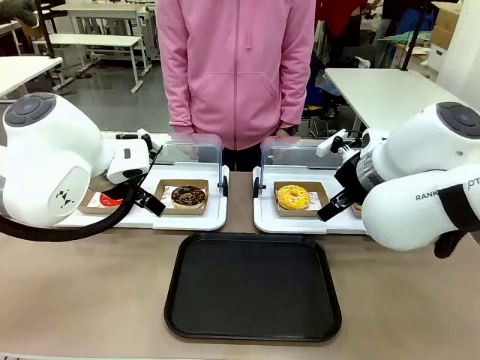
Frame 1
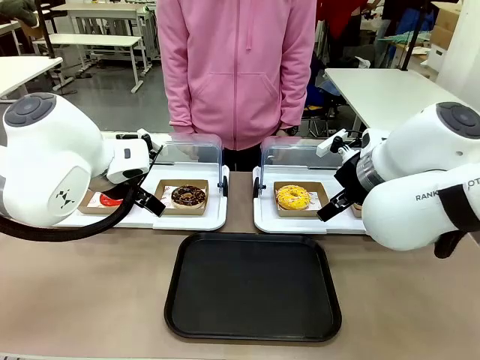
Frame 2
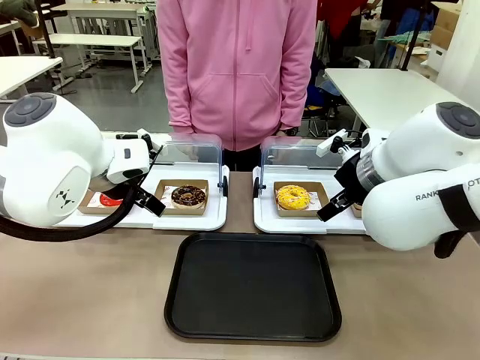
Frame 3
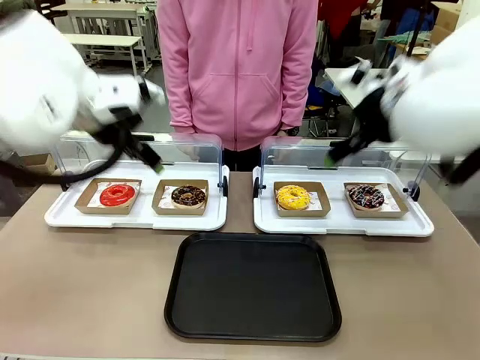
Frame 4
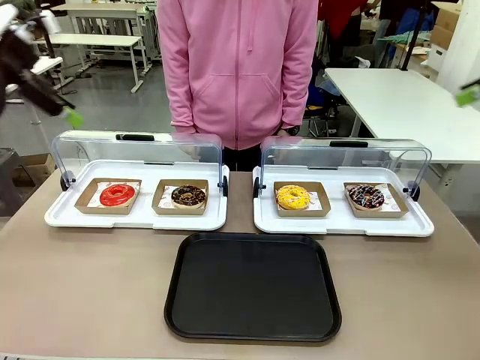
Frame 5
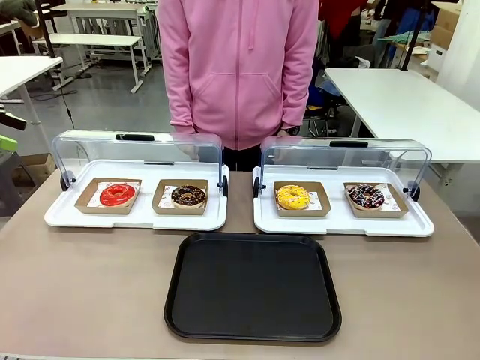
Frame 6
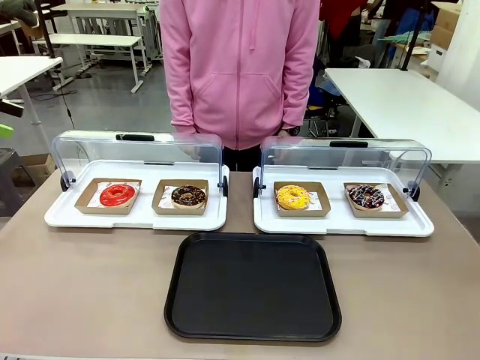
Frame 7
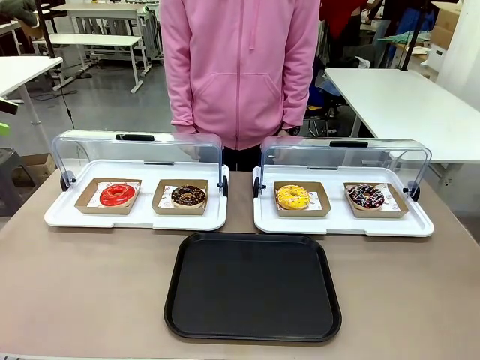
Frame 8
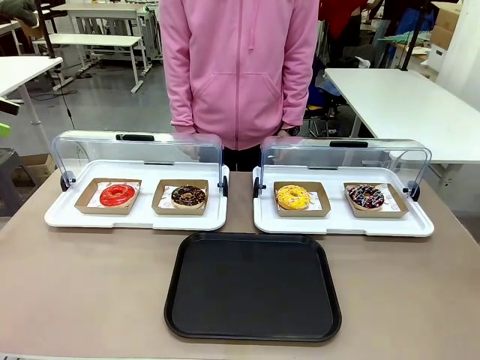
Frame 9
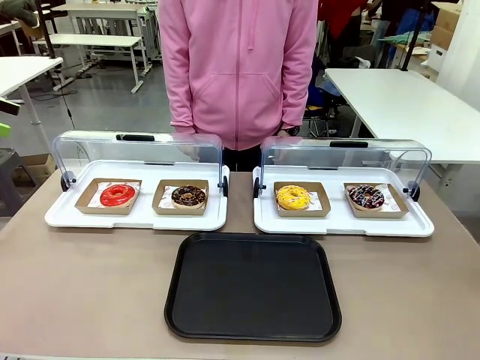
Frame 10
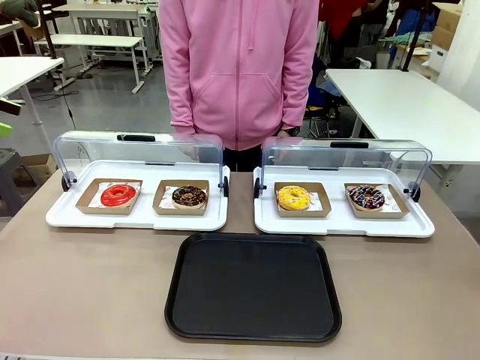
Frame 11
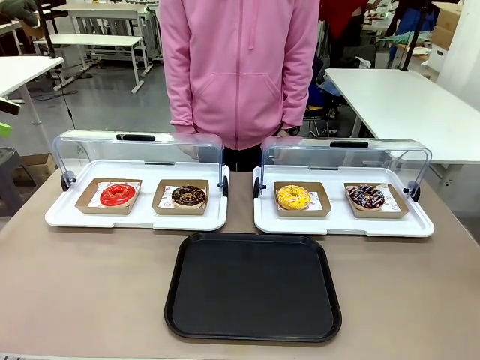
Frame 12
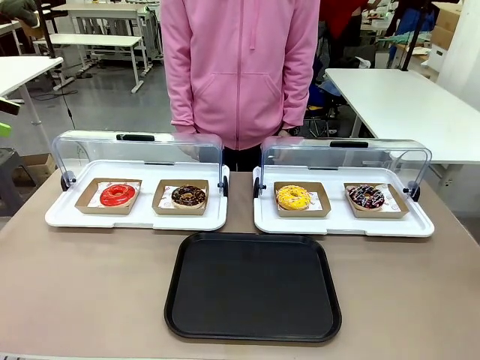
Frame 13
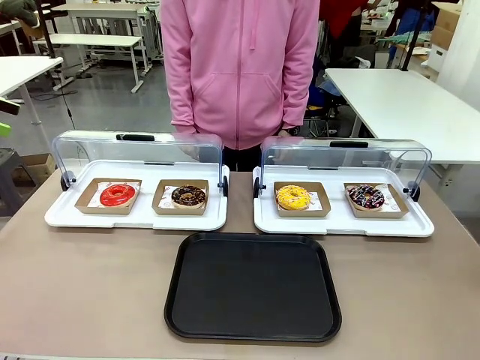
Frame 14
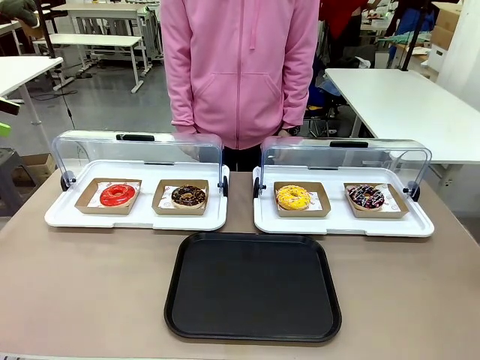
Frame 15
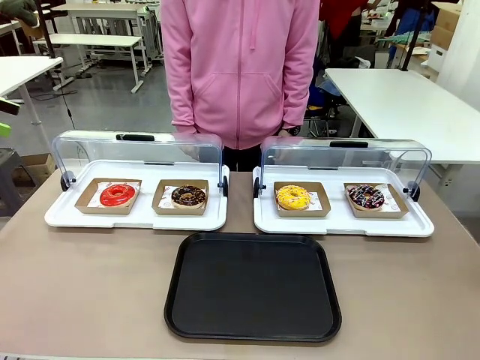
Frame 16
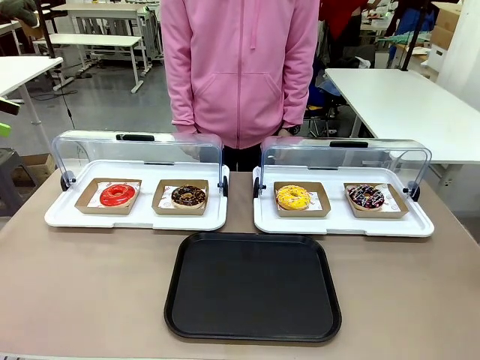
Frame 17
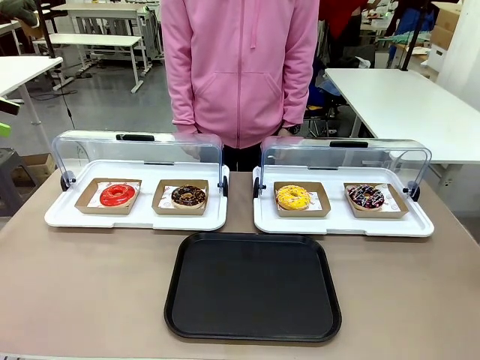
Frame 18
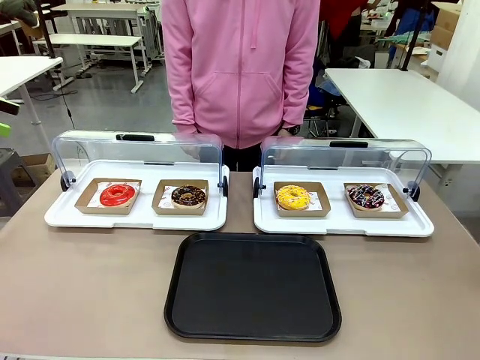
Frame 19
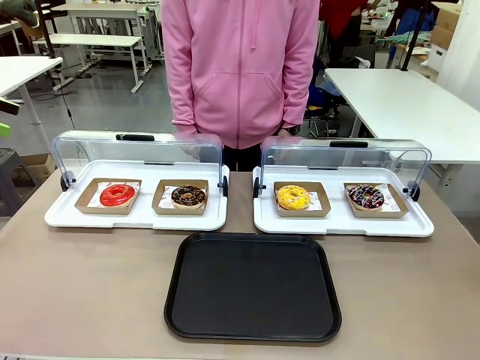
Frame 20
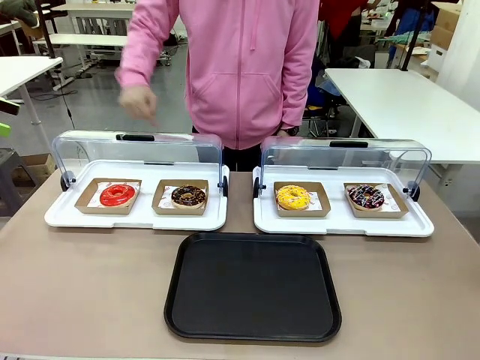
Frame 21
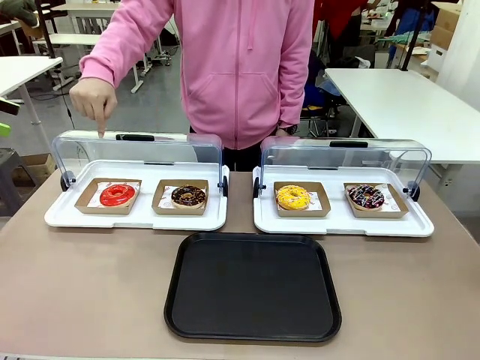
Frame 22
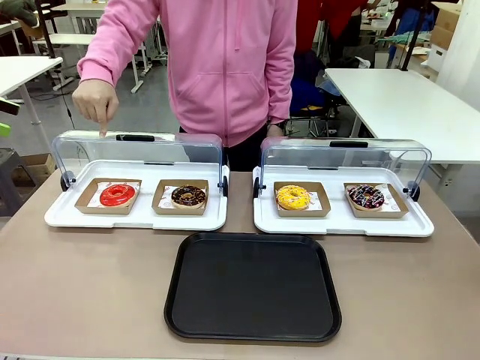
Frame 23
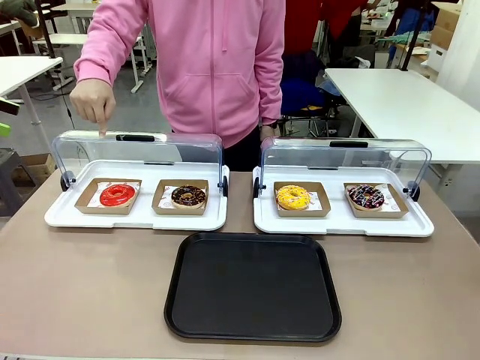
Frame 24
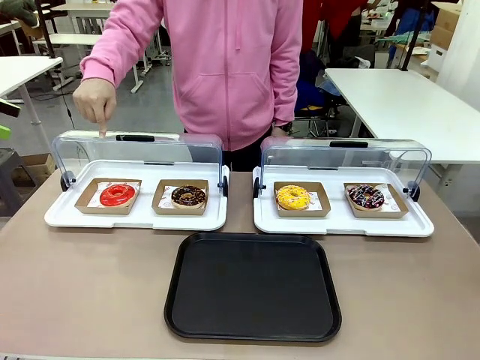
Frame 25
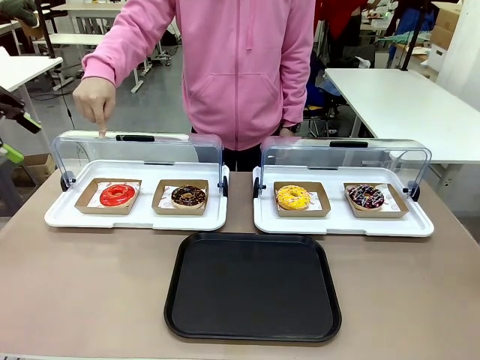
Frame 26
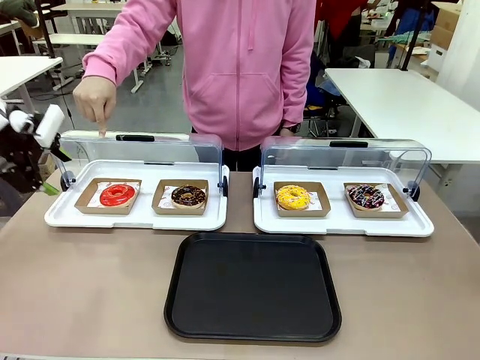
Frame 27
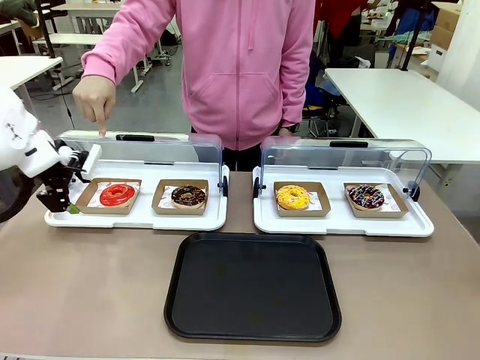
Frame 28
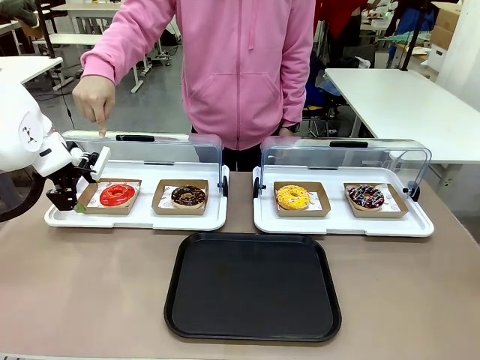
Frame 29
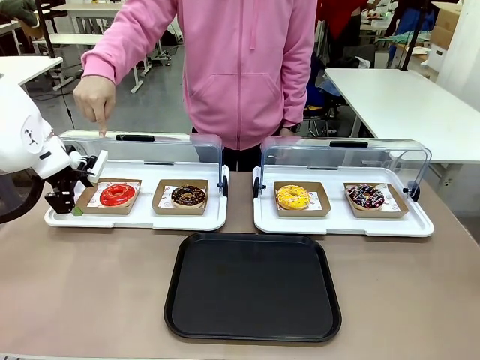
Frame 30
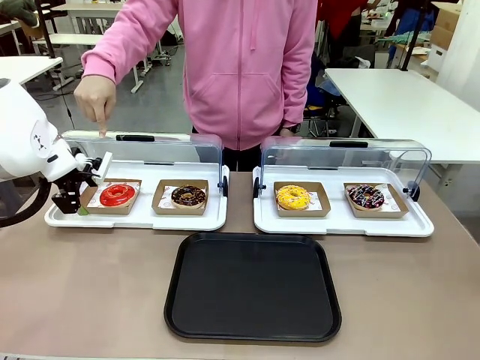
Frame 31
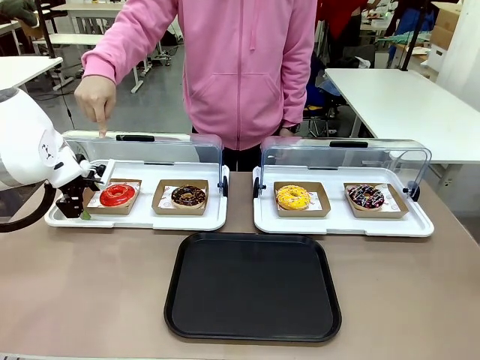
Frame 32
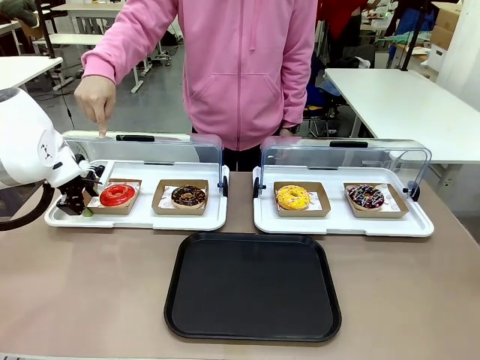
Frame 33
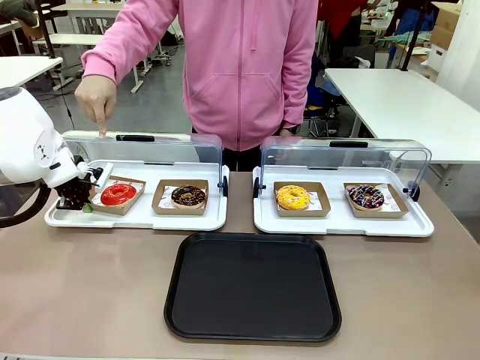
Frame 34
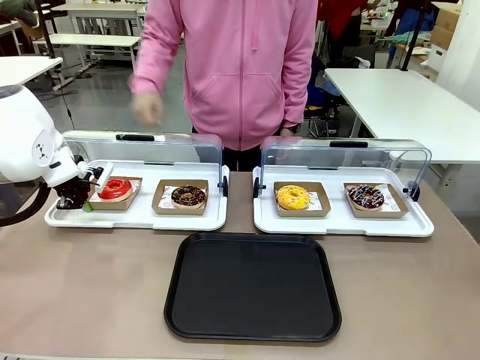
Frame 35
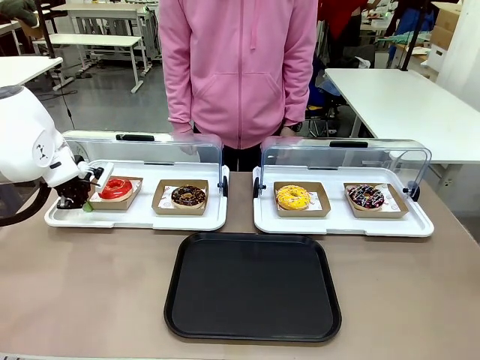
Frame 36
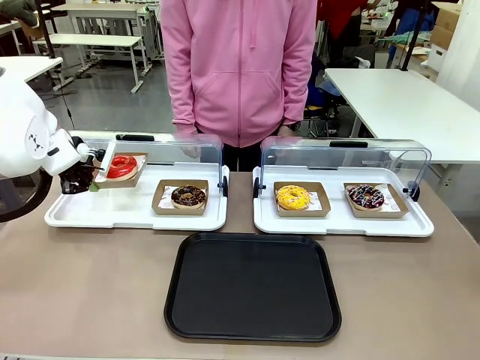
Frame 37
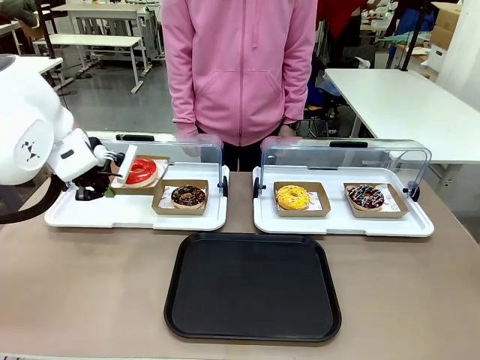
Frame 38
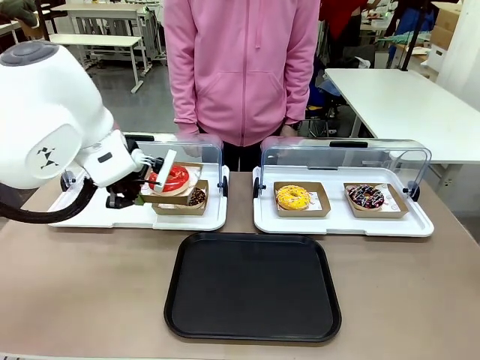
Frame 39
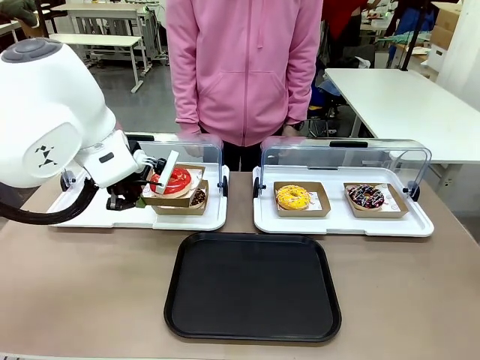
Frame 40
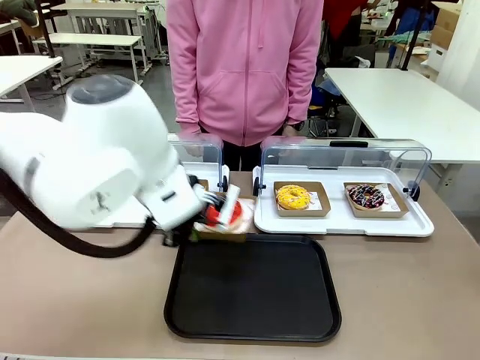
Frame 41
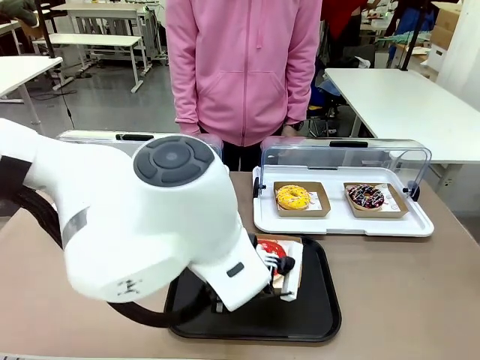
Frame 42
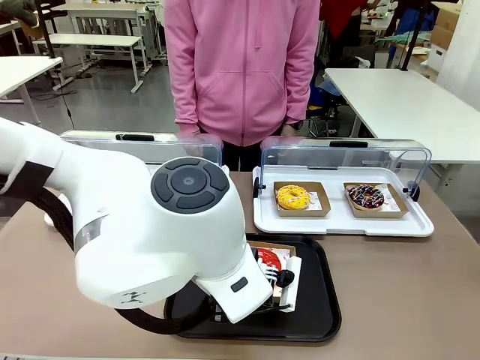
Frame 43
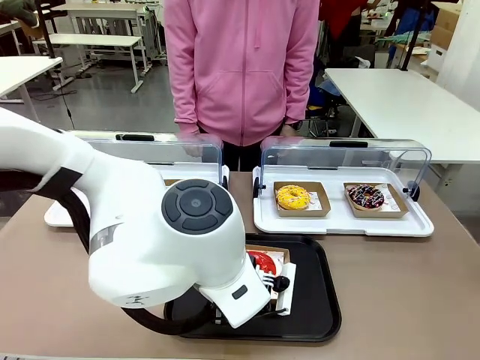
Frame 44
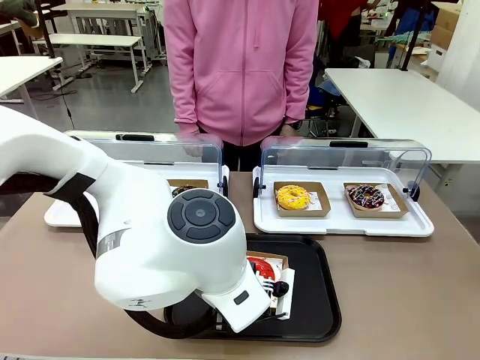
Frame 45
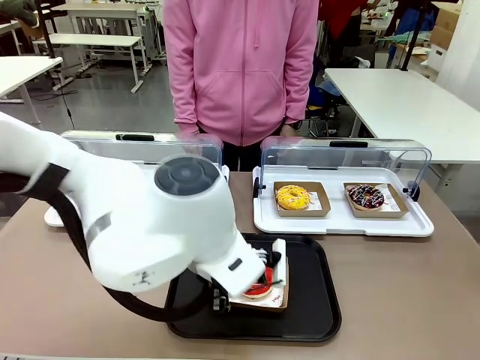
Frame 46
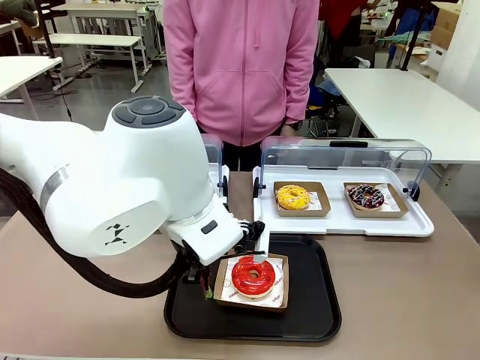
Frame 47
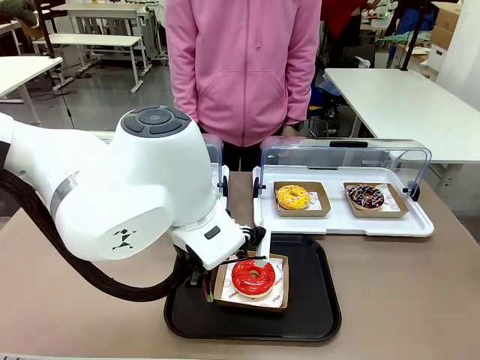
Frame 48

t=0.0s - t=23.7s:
Task: Move the first donut from the left to the tray.
Robot: Pick up the Paper togo box containing the Donut indicated by the person and place it on the Handle tray.
Person: Points to the first donut from the left from the robot’s perspective.
